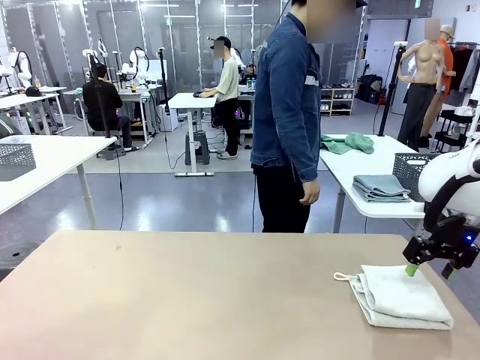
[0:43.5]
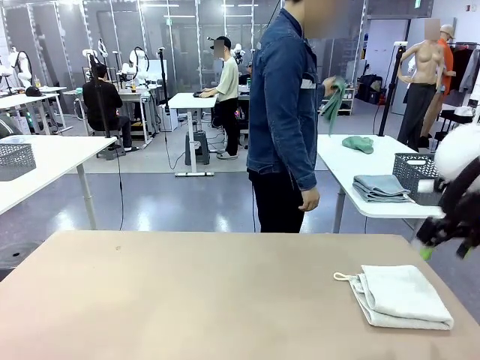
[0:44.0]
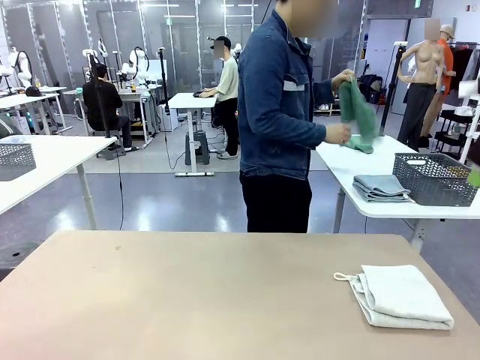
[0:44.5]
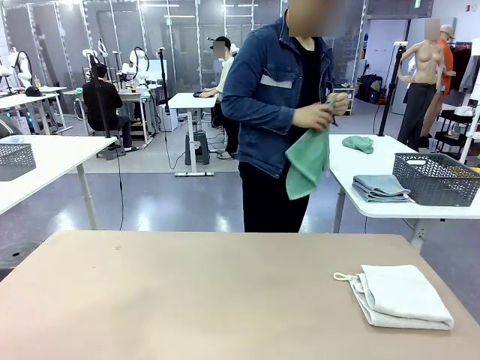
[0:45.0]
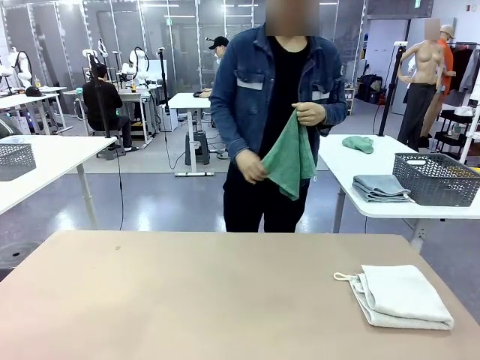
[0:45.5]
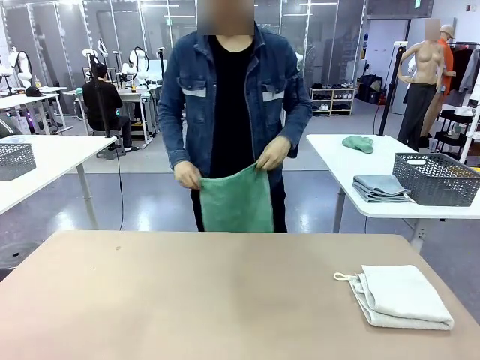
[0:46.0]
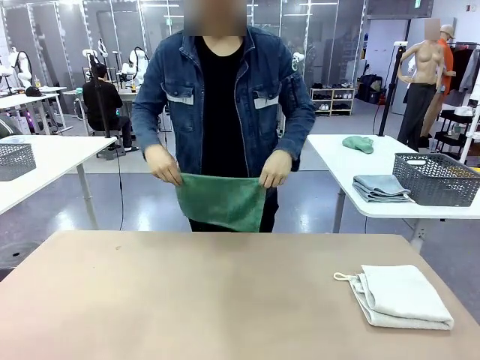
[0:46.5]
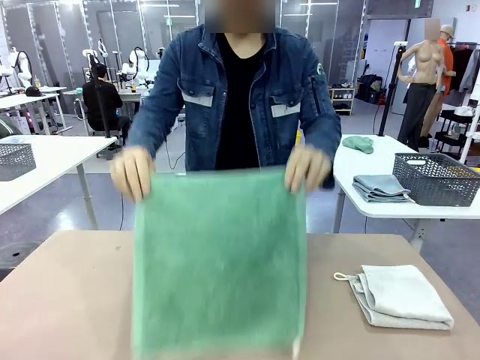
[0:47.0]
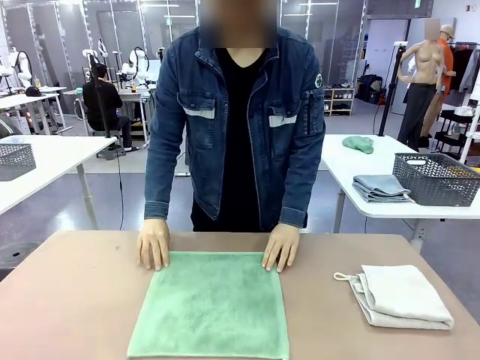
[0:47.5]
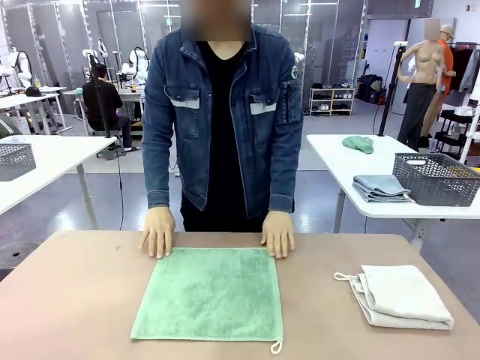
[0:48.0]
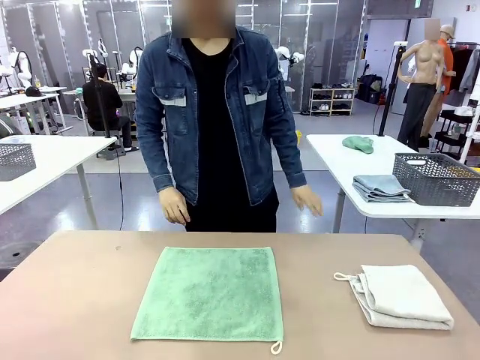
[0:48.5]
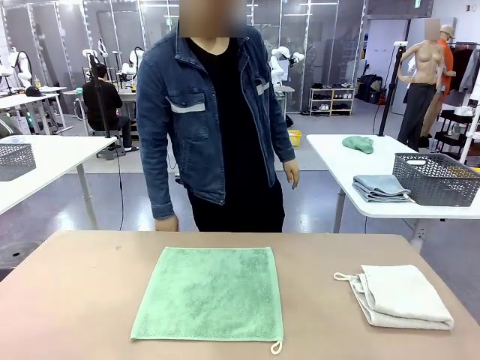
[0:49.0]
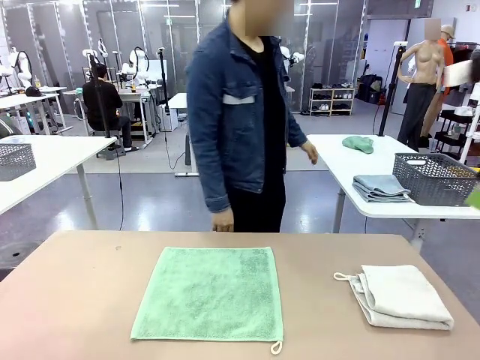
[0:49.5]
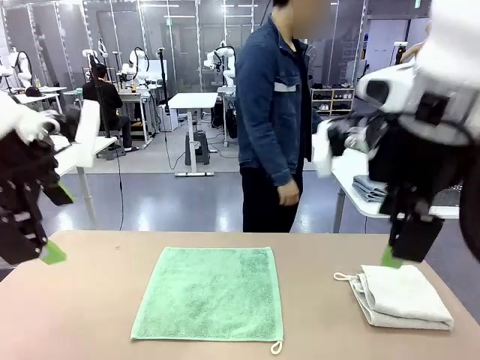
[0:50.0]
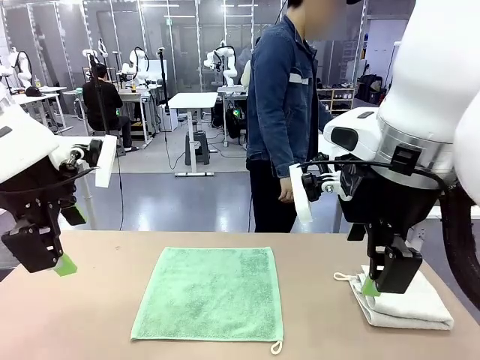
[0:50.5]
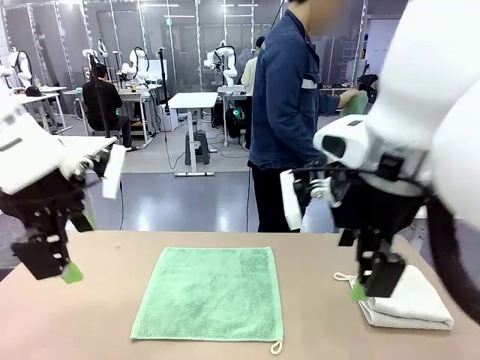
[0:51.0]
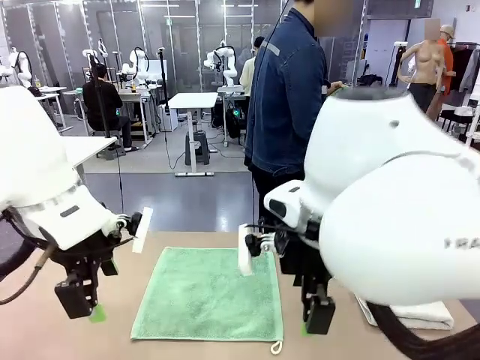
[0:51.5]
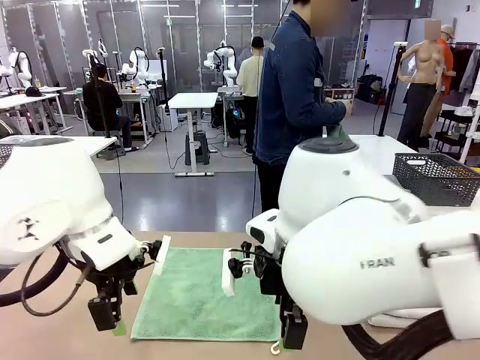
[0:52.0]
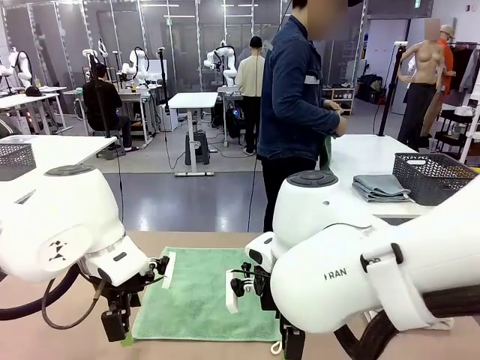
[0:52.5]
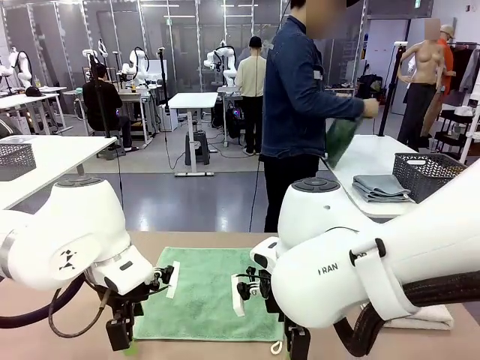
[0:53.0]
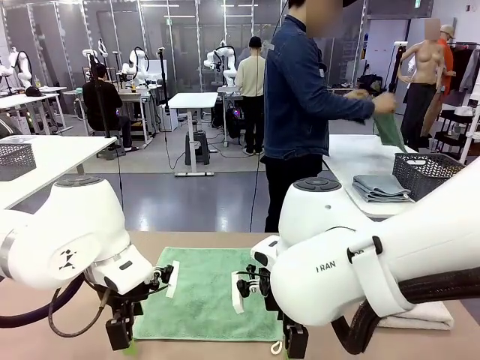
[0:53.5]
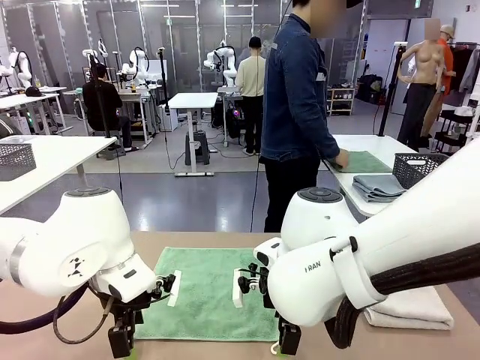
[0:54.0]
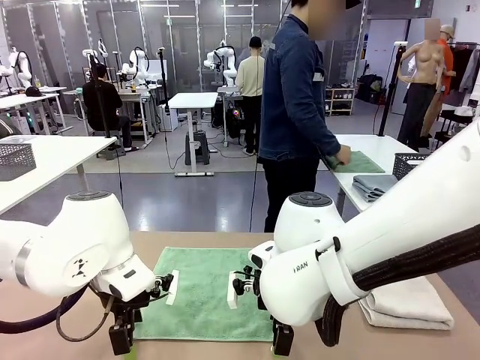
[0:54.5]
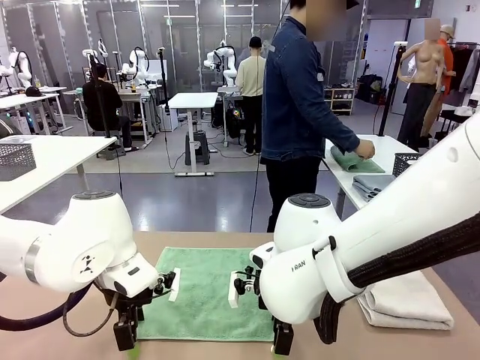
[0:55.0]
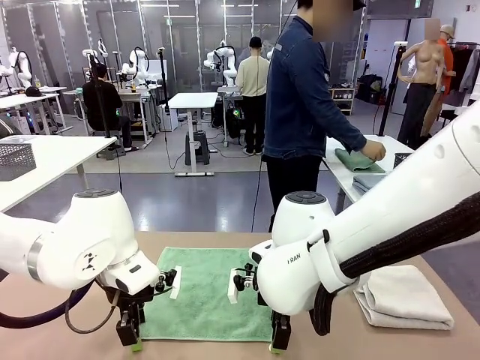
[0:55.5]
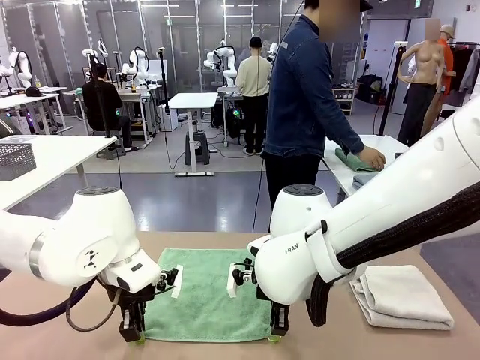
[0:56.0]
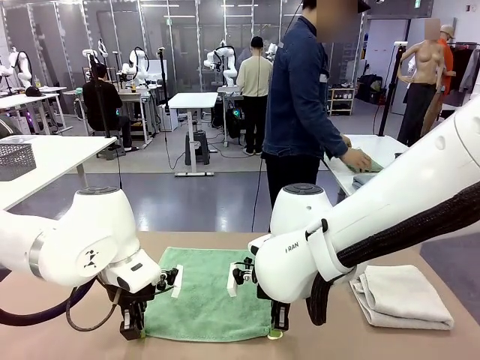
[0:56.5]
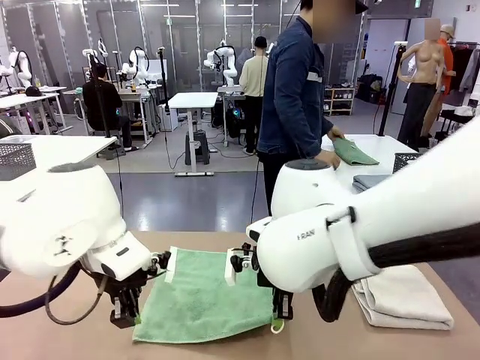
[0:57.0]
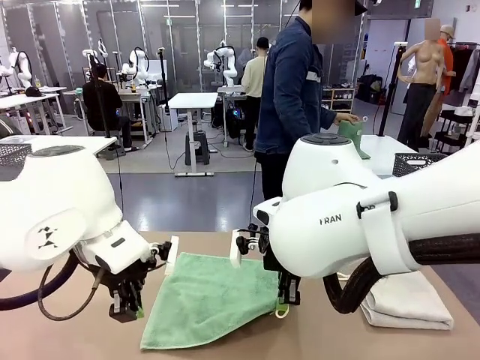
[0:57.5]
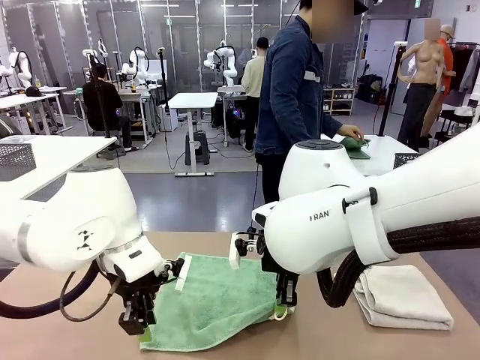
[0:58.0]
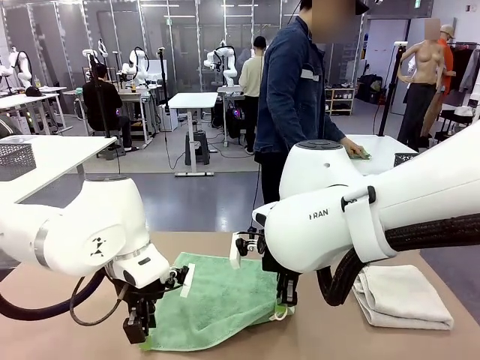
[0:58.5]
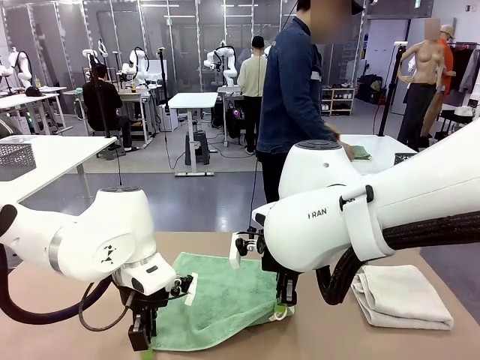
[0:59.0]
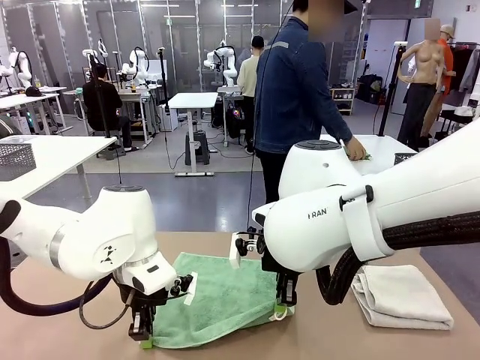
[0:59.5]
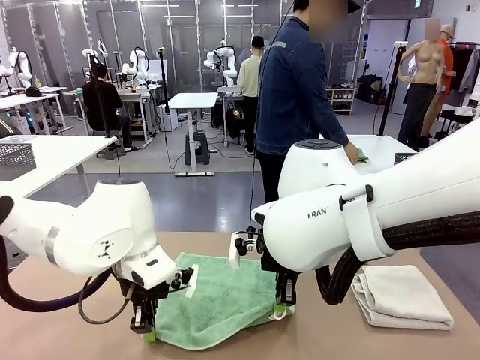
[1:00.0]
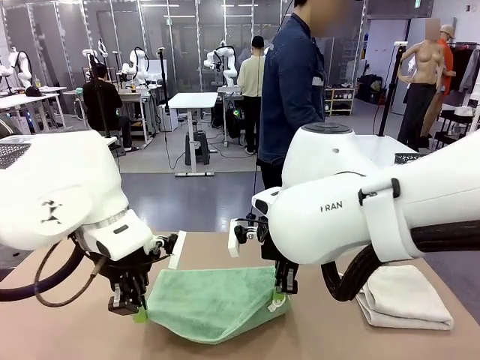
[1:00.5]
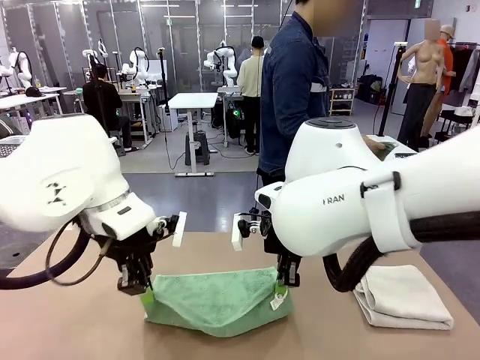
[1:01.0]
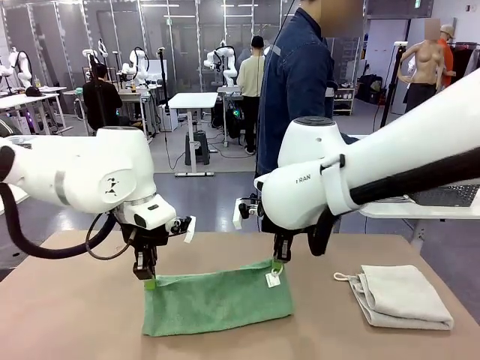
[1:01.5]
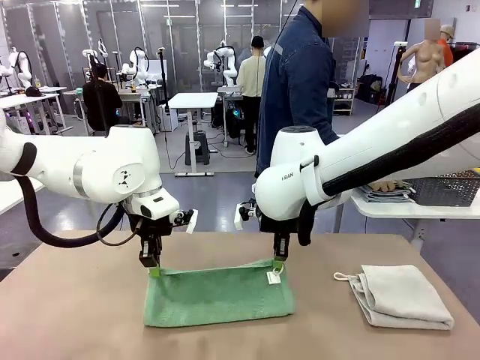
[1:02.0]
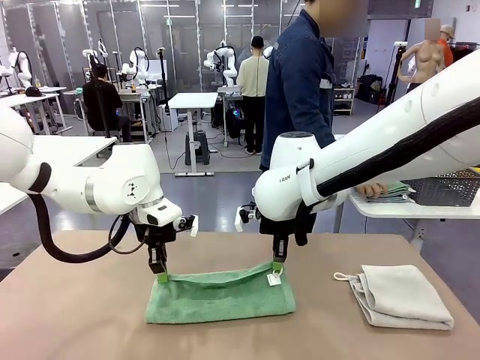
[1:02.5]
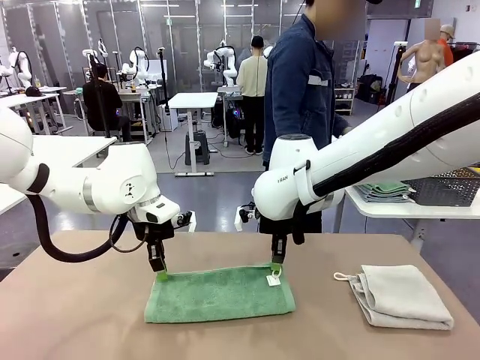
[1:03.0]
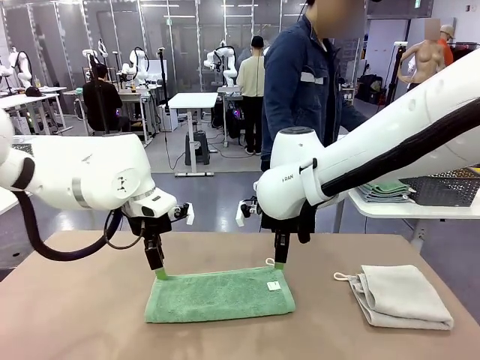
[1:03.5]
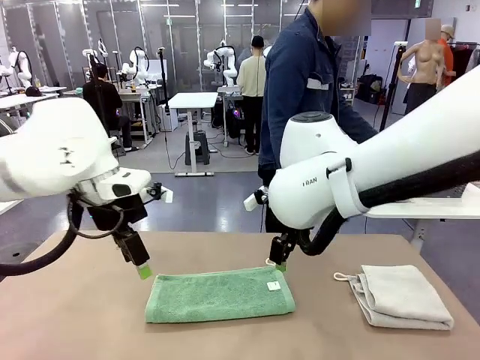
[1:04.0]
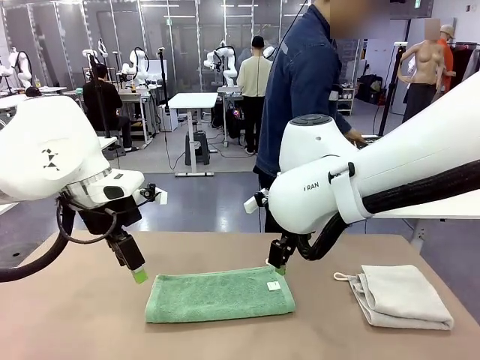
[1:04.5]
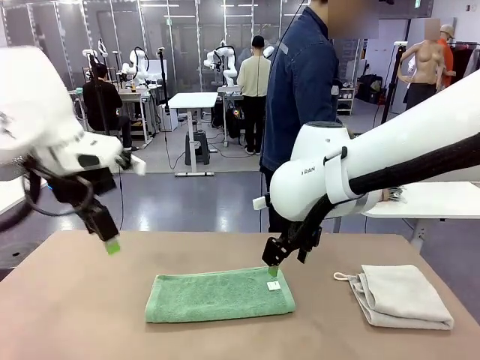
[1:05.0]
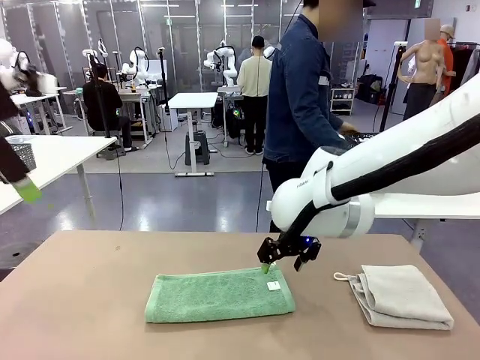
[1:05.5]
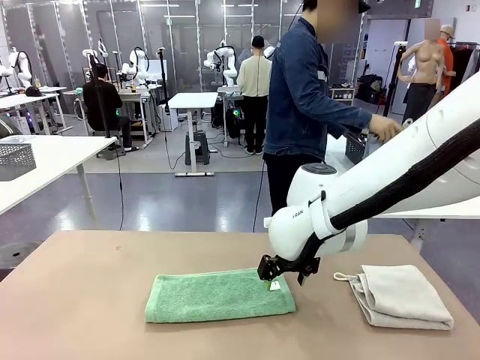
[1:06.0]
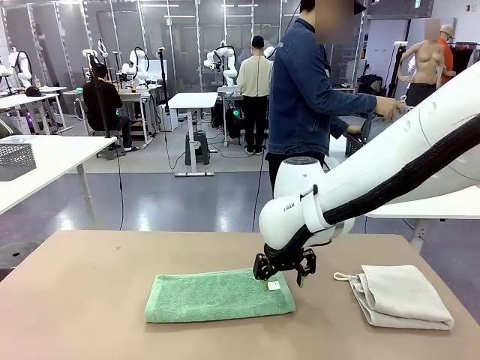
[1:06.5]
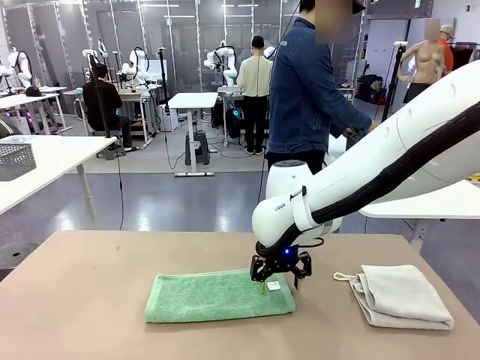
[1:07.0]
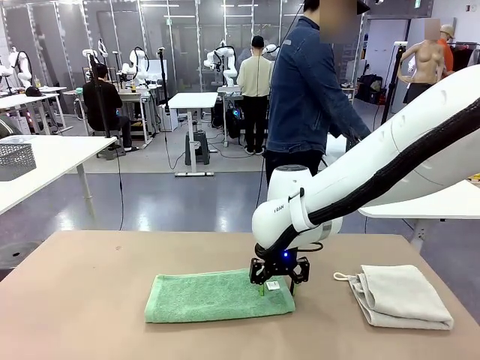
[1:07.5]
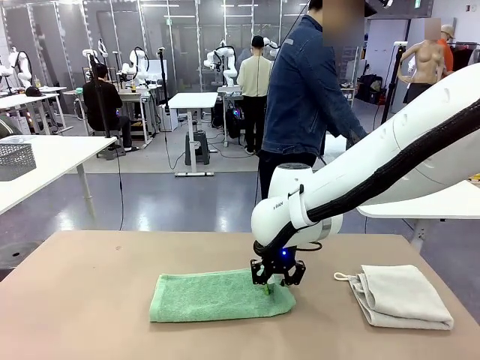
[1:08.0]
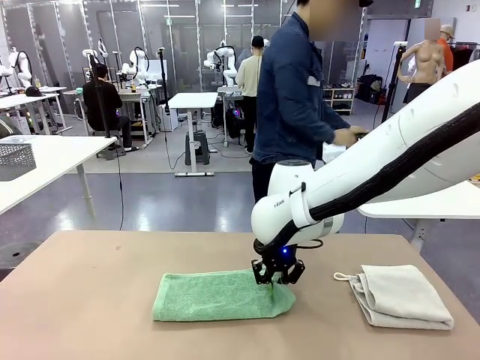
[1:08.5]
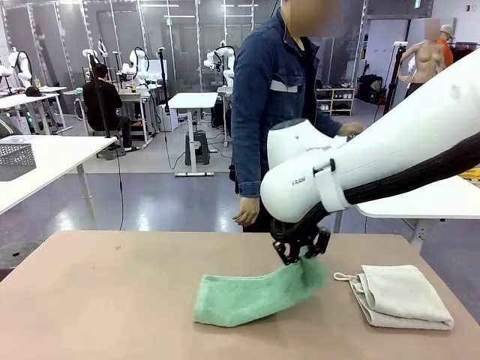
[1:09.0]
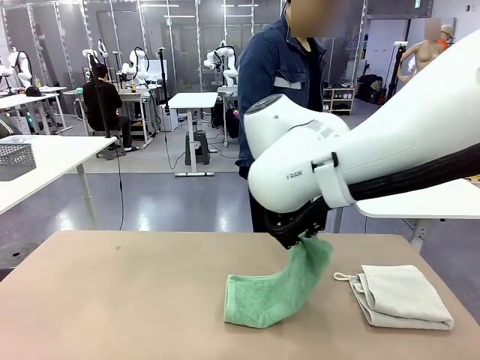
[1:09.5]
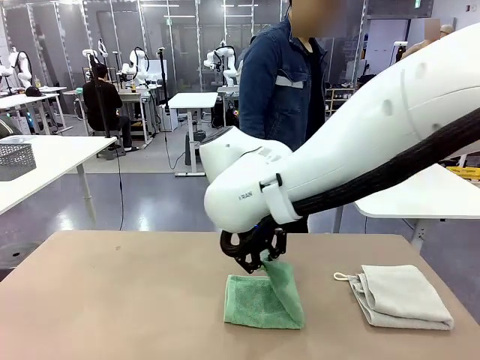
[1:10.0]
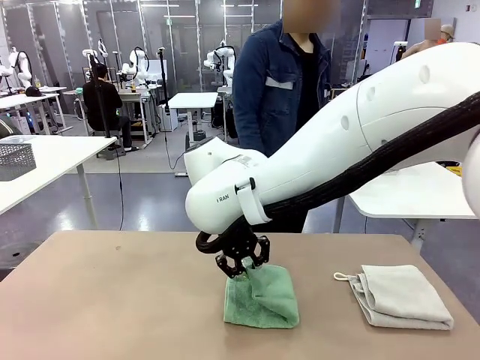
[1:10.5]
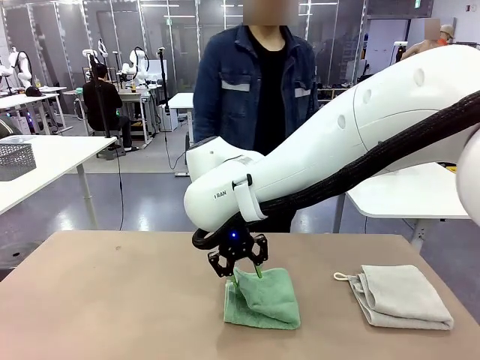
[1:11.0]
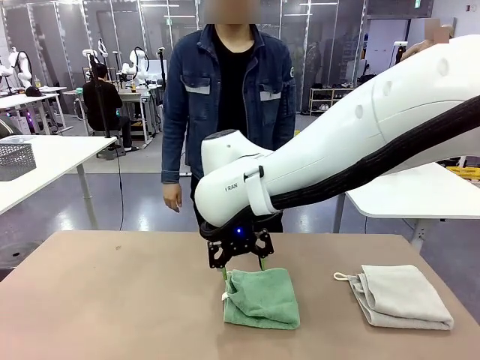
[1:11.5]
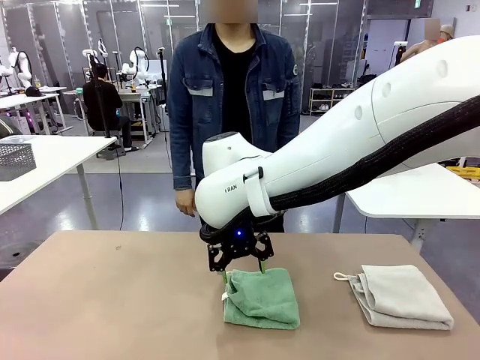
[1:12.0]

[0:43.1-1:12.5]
Task: Fold the towels and place them in the basket.
Robot: When a person lays out a Towel with hook on the table, fold it in half twice.
Person: Pick up one towel from the left side of the human table and spread it out at the center of the robot table. Pick up one towel from the left side of the human table, fold it in half twice, and stack it on the right side of the table. Pick up the stack of towels from the right side of the human table, place it into the basket, and put the basket at the center of the table.
